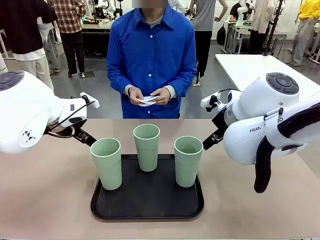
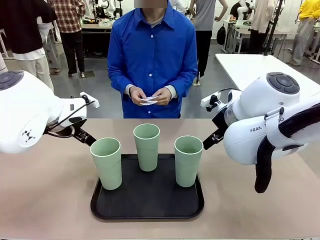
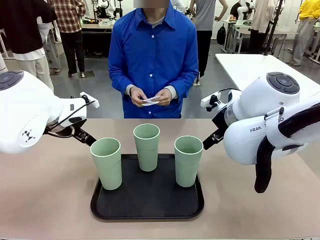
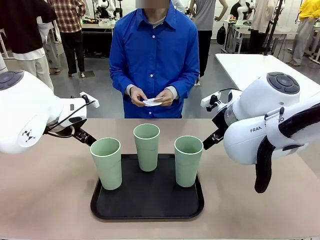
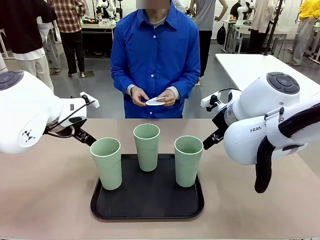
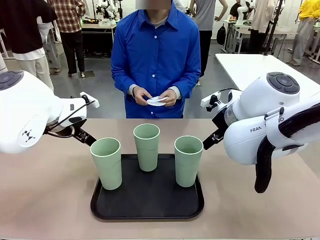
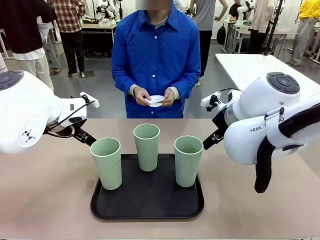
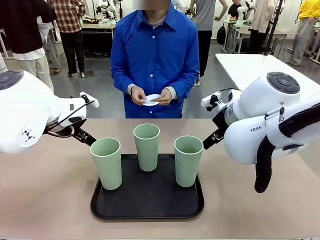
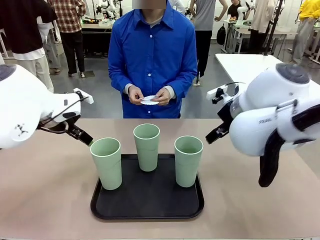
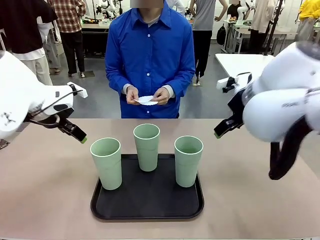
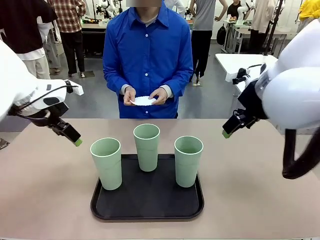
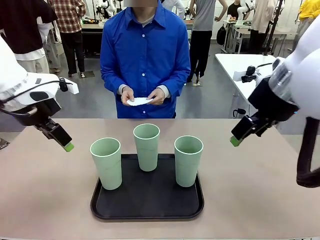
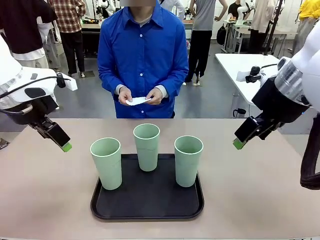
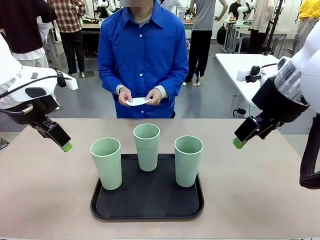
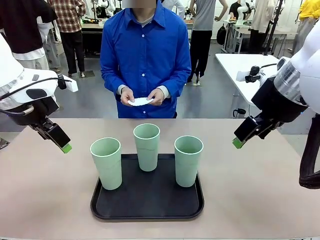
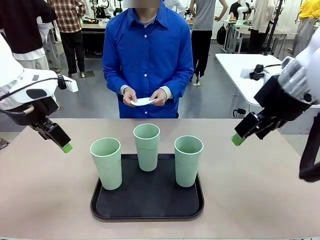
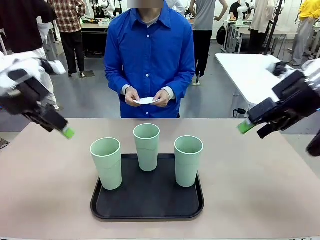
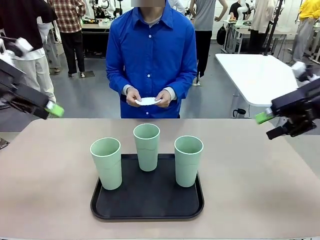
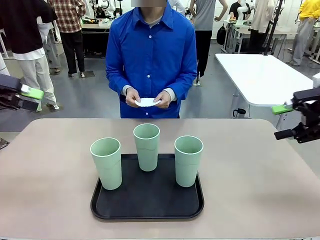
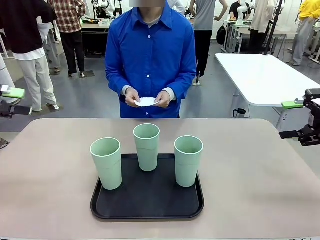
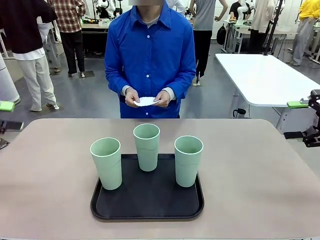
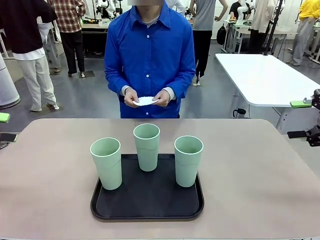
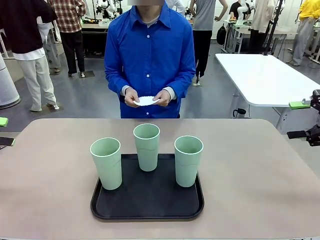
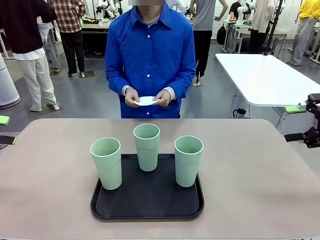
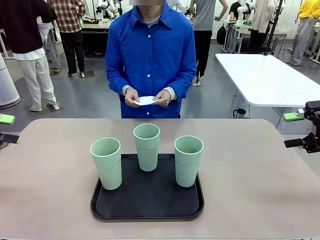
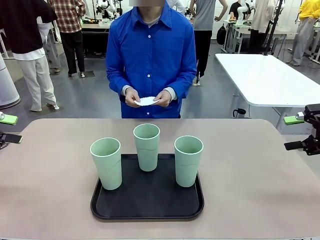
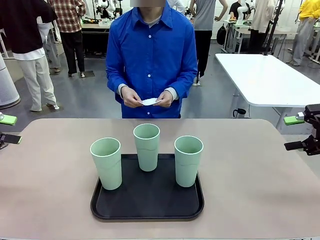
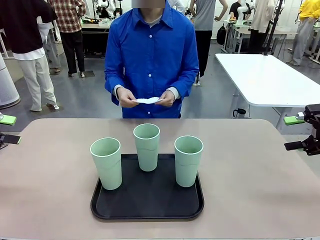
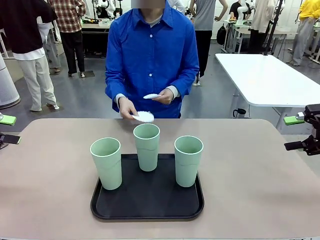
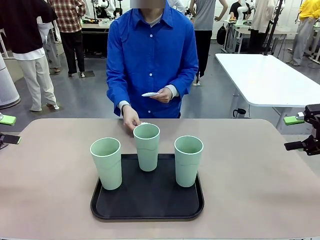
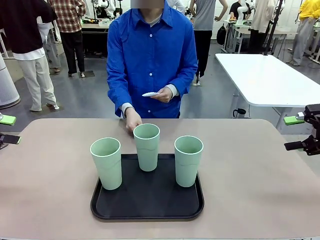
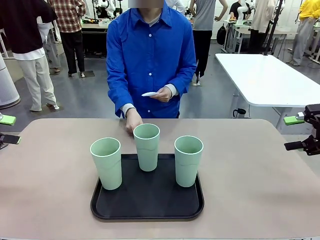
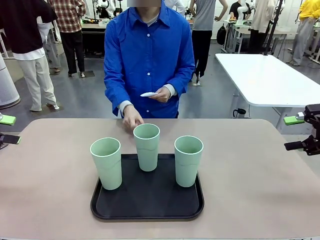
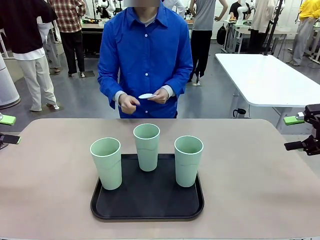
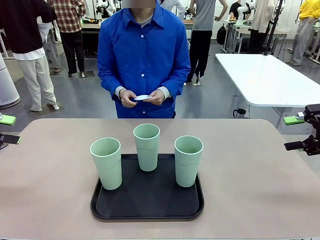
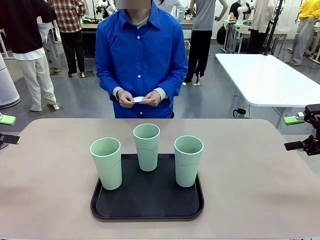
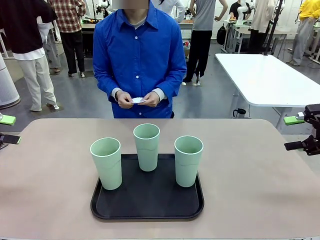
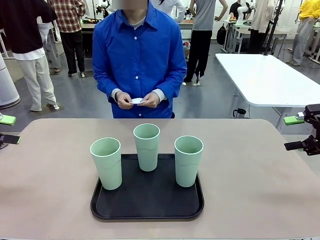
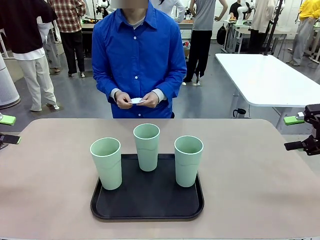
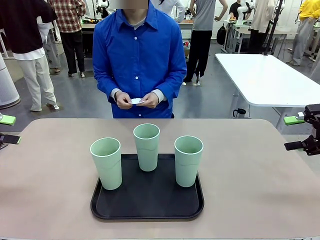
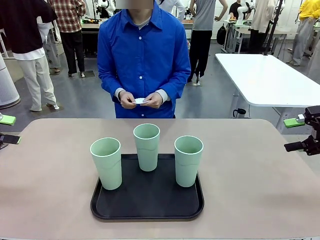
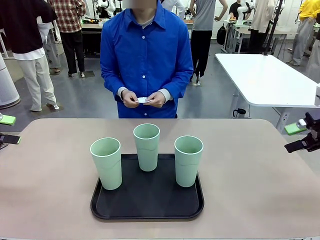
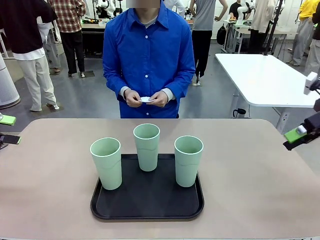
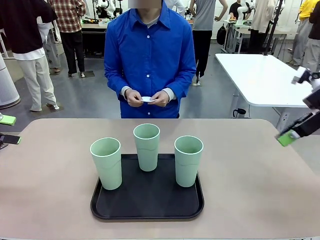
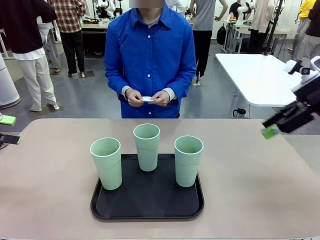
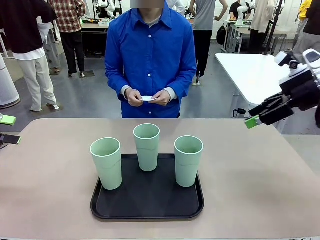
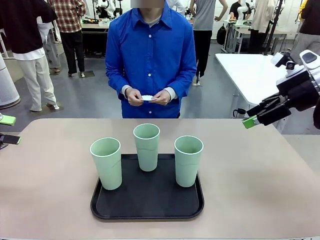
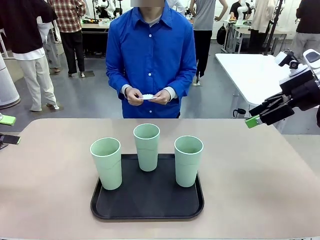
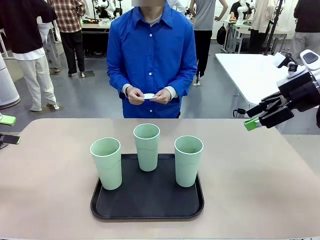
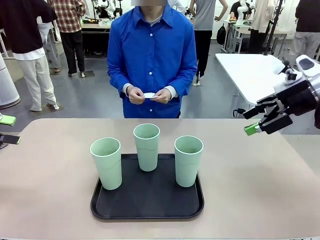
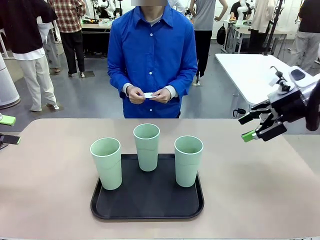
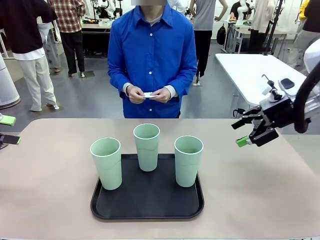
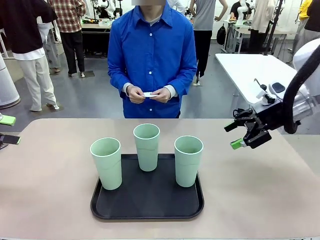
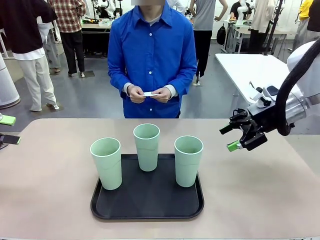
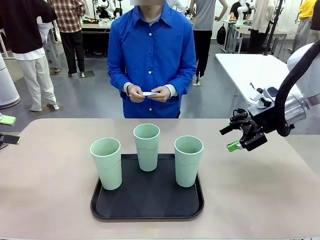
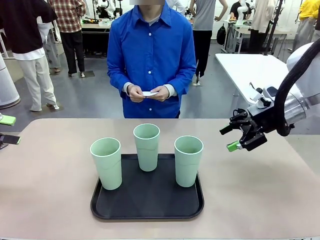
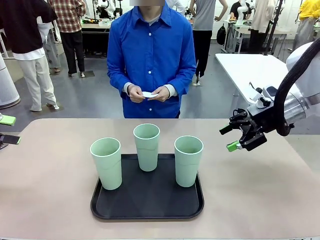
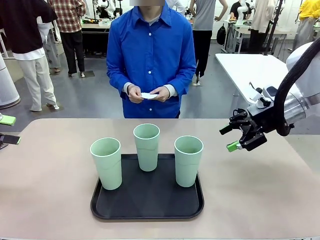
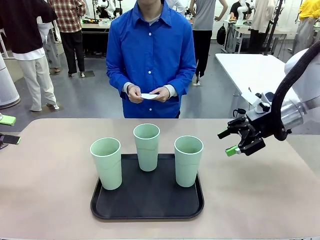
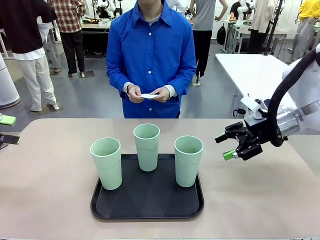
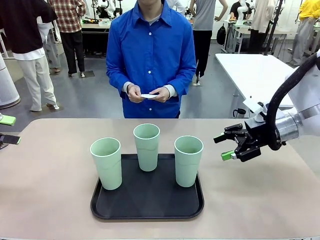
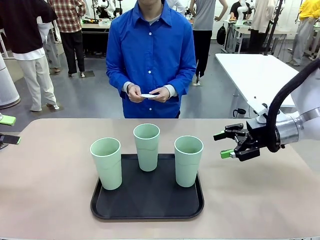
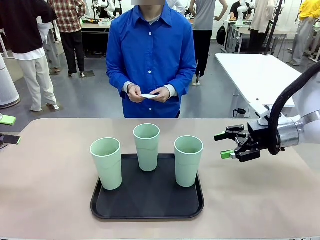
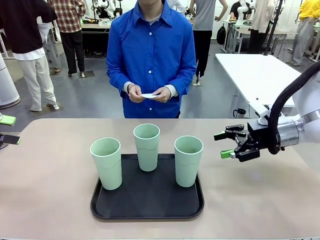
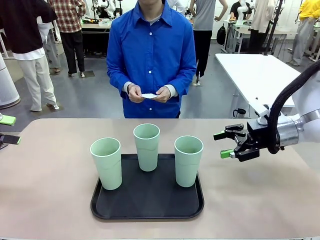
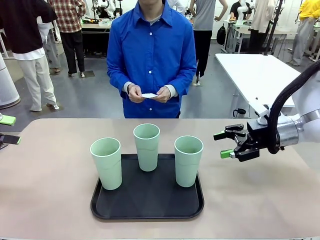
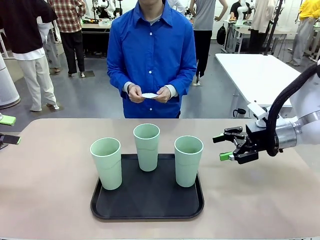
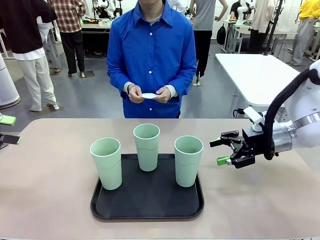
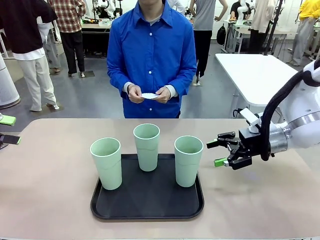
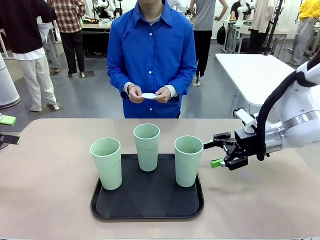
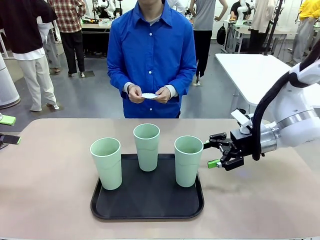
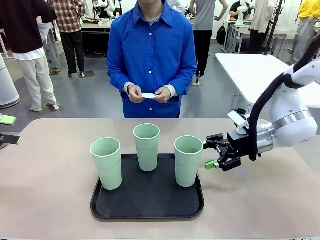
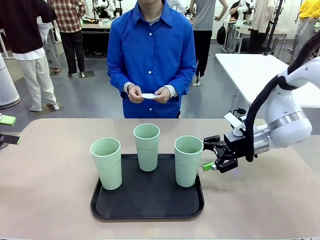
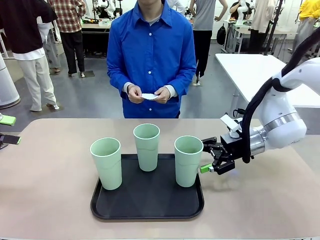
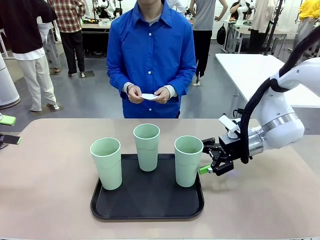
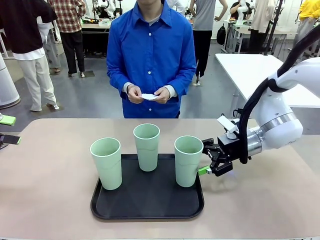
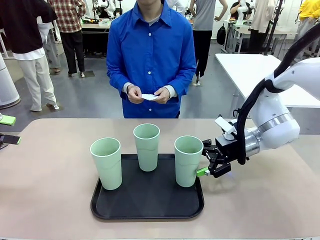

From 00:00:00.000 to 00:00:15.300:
Task: Place coasters on the table and set cups on them.
Robot: Pick up one Reusable plastic cup and place it on a coaster set by the human.
Person: Place one coaster in any one of the three lower areas of the robot table (left, center, or right).
